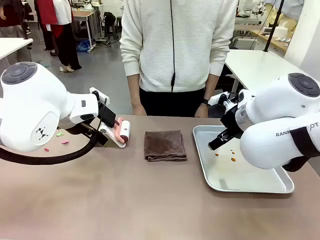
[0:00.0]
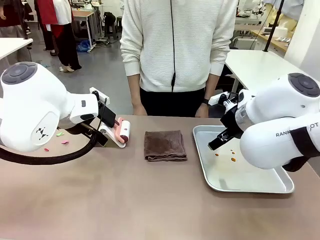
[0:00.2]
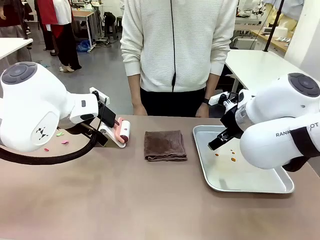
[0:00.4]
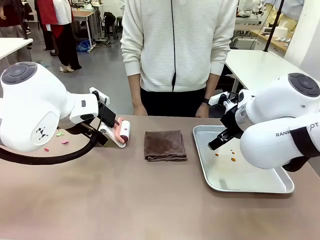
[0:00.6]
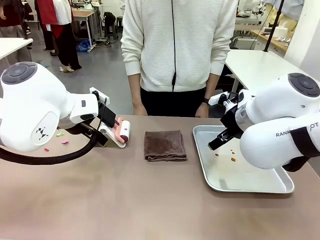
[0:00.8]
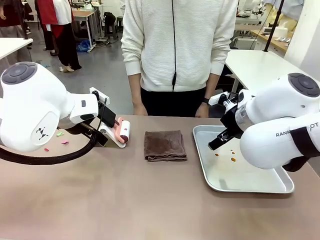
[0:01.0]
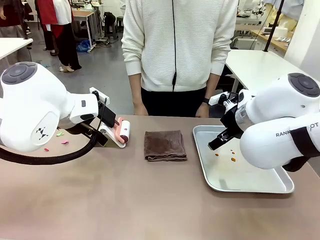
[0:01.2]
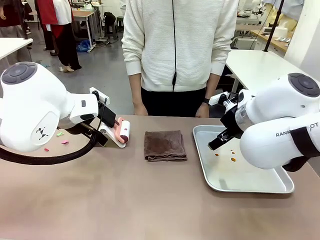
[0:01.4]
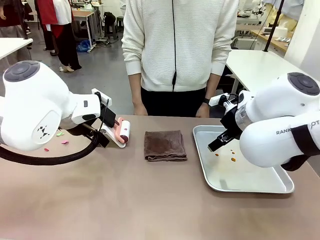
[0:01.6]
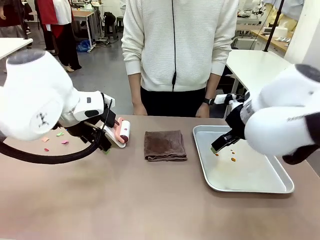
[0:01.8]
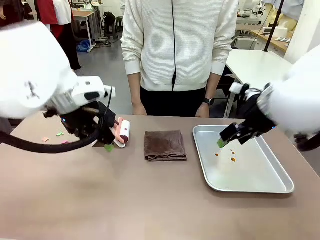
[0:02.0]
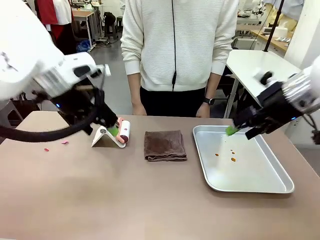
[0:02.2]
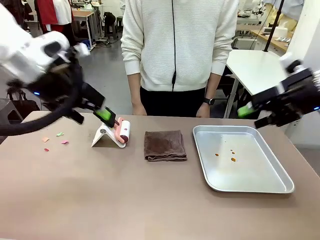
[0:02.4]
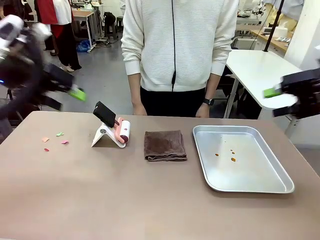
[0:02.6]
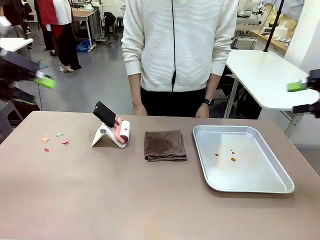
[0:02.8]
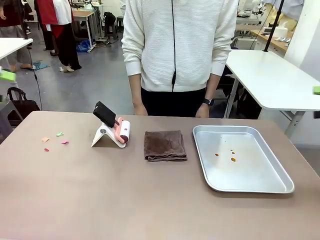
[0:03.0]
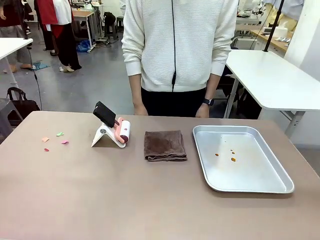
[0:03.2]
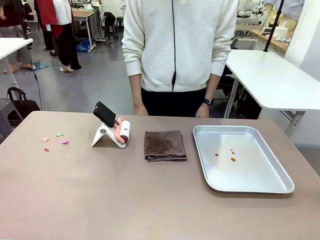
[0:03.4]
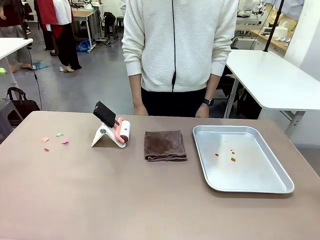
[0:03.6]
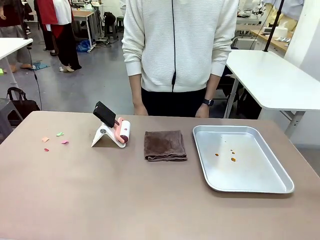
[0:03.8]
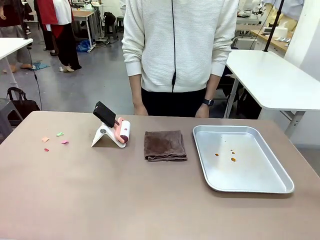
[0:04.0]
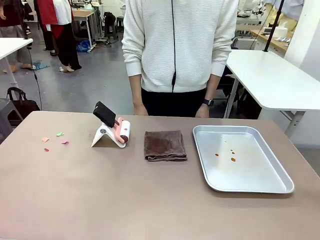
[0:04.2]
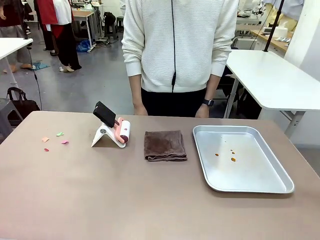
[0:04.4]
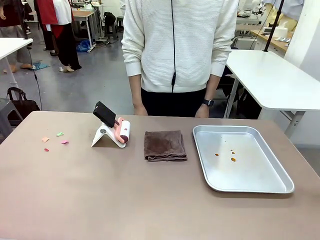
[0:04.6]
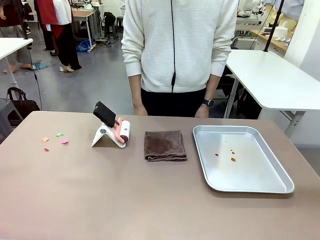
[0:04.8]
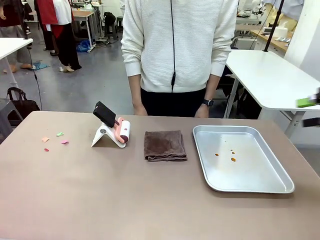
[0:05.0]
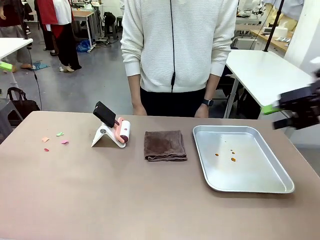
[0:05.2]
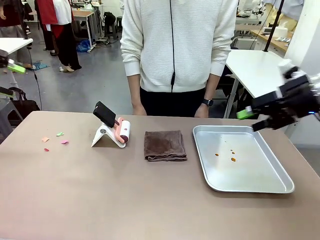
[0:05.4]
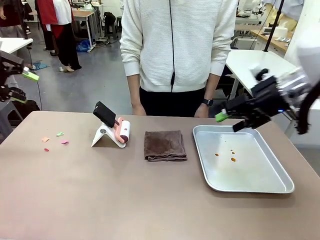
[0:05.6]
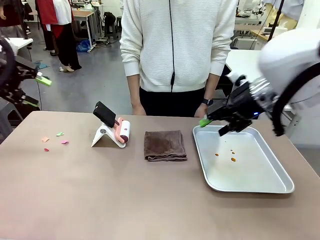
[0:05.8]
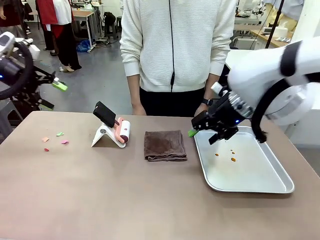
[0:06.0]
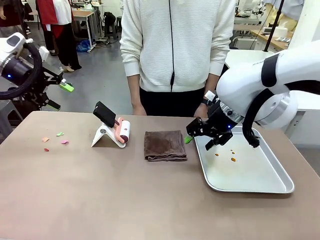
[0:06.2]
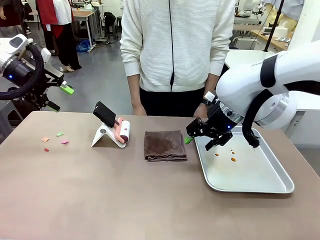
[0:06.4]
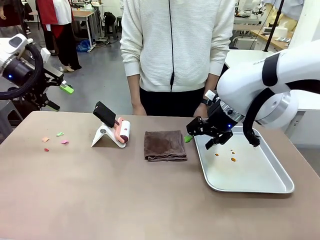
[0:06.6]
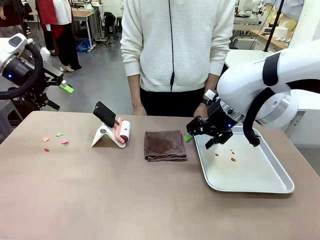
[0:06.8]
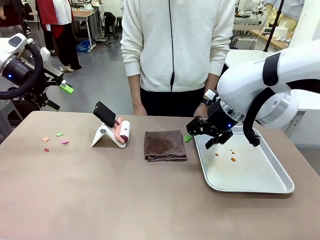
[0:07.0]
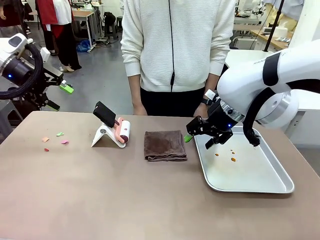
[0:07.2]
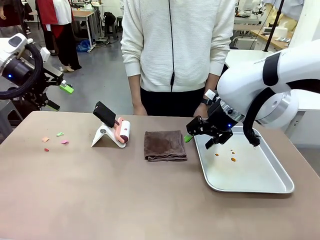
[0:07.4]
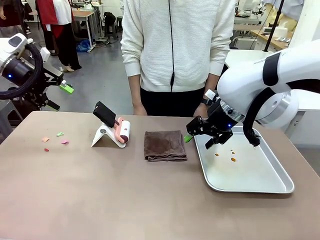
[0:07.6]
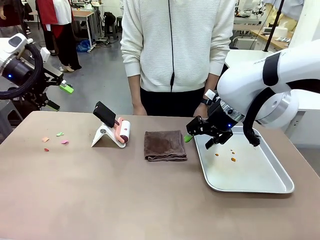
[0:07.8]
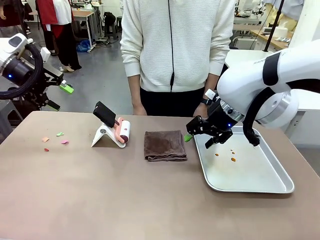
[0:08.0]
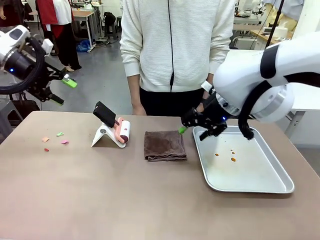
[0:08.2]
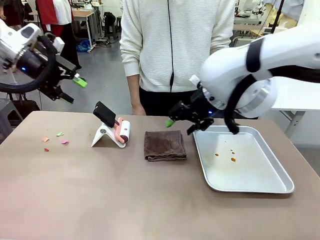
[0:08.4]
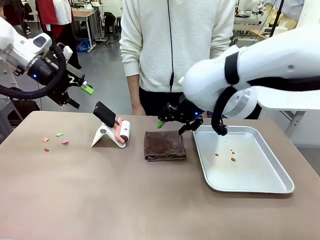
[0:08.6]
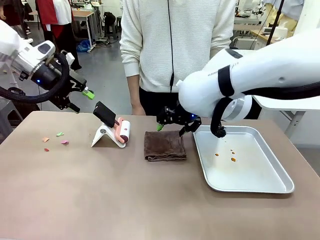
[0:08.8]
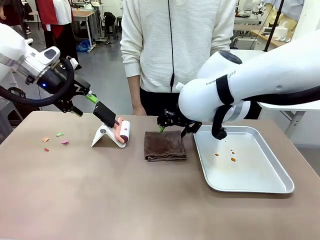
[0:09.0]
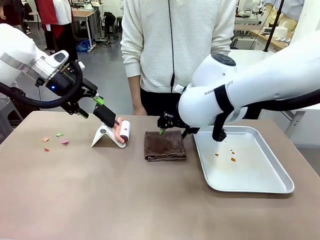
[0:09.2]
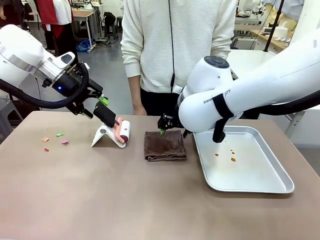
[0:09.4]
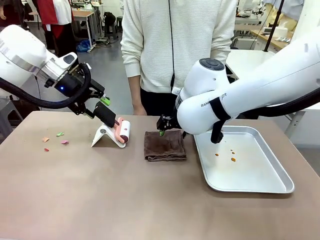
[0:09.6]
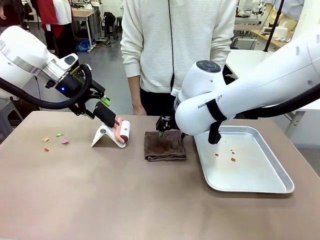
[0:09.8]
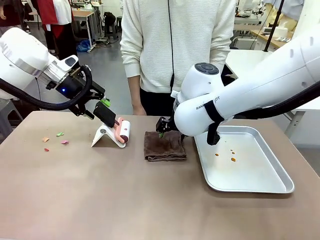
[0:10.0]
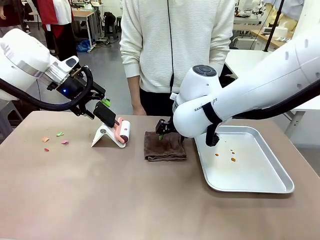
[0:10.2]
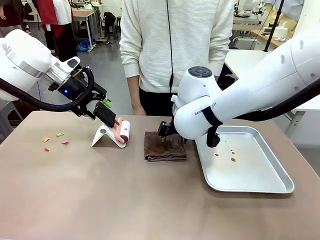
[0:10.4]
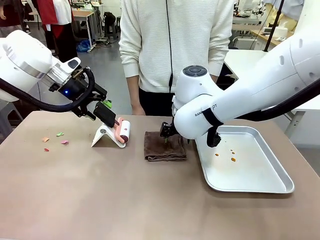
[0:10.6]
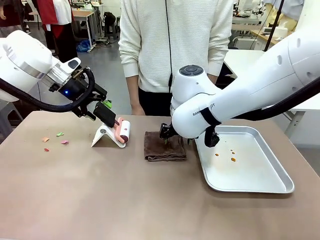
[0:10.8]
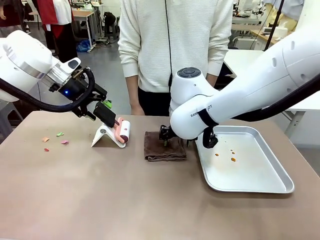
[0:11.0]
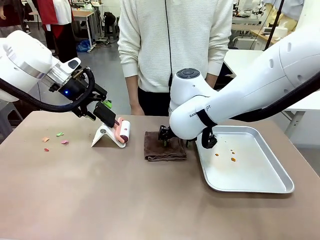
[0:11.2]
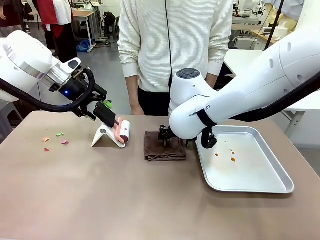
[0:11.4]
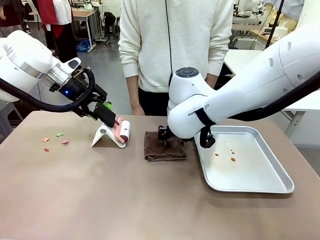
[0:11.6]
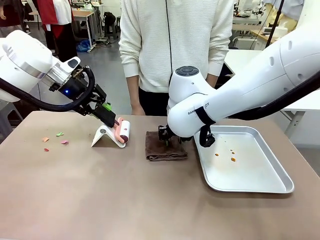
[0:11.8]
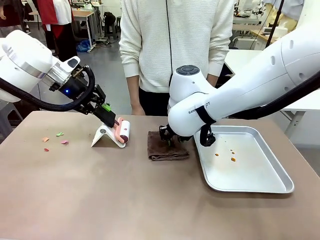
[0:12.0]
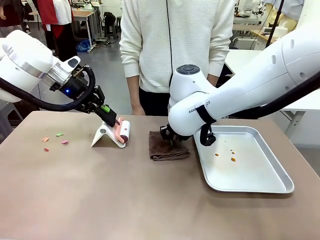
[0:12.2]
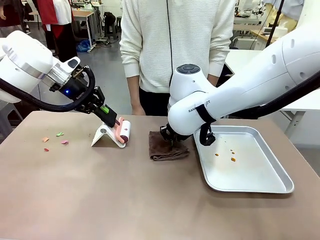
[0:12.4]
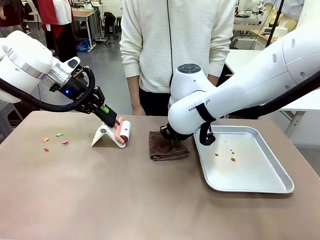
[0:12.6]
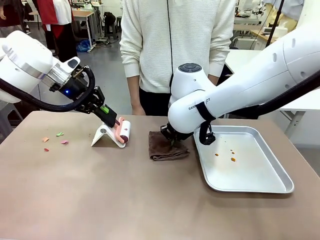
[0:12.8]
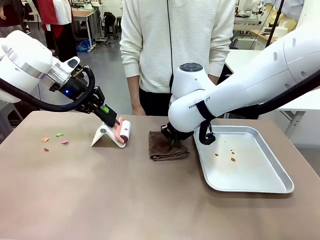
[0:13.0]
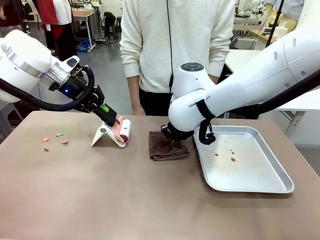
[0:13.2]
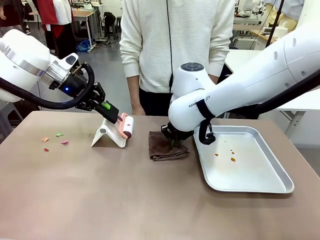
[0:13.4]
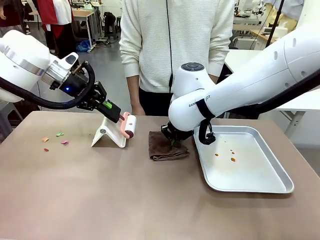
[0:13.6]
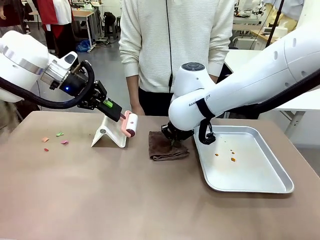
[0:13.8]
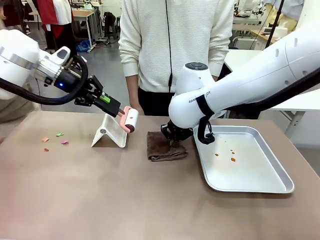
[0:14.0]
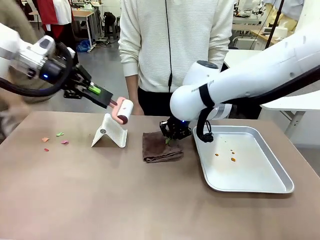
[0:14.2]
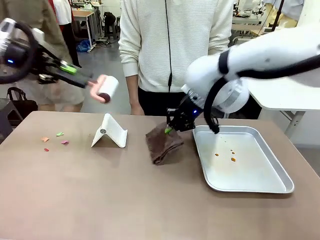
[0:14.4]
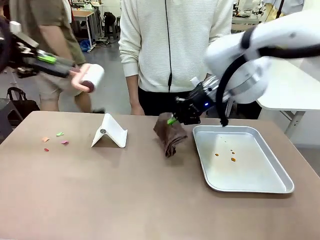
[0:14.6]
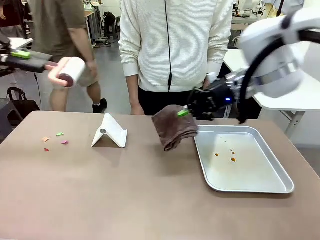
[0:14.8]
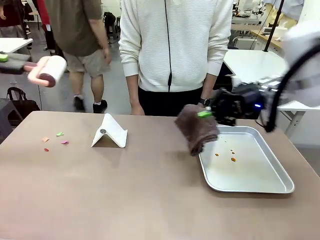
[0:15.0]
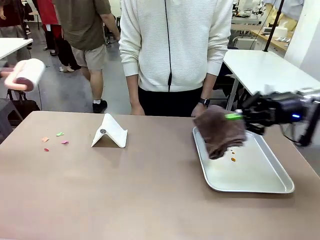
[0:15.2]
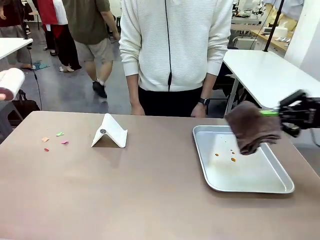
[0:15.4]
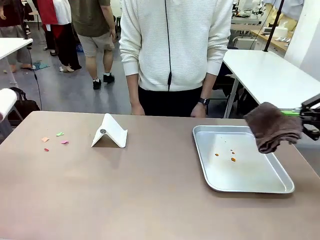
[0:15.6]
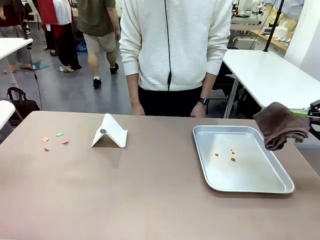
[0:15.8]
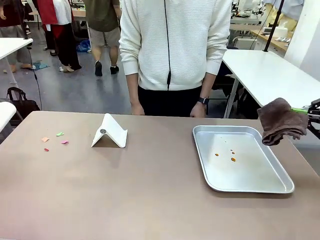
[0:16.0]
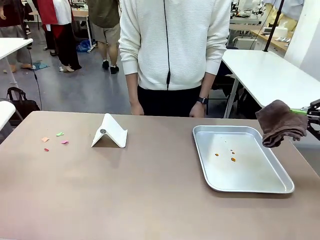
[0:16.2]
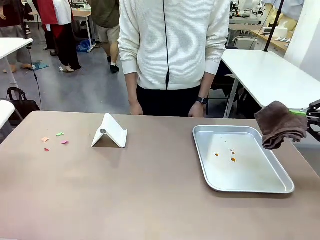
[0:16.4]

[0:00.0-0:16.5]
Task: Clean the surface of the table.
Robot: Hold the Lint Roller with your left hand and the towel with your right hand.

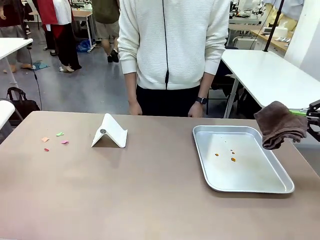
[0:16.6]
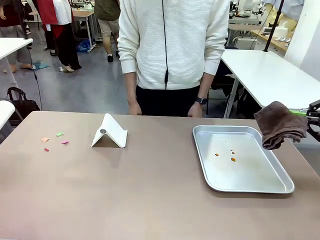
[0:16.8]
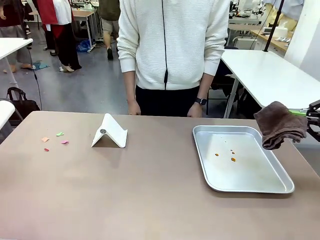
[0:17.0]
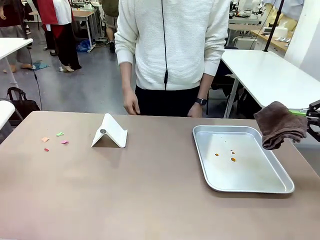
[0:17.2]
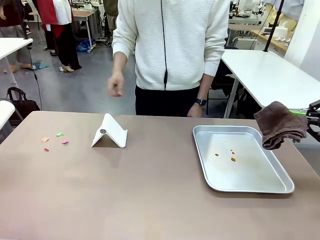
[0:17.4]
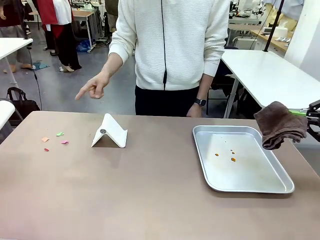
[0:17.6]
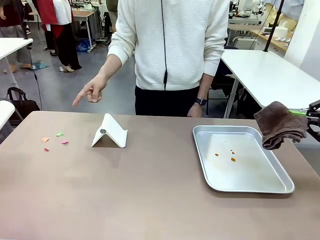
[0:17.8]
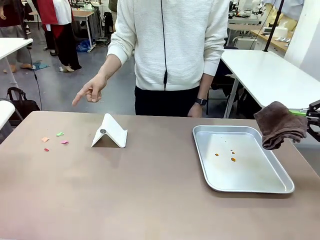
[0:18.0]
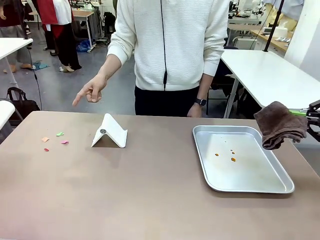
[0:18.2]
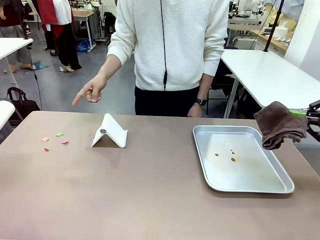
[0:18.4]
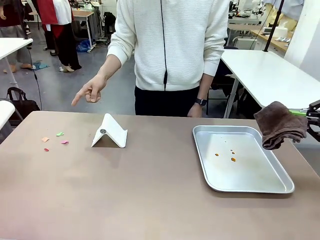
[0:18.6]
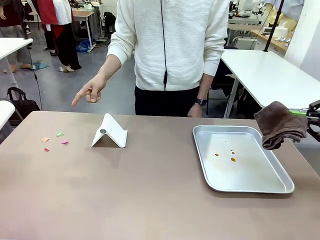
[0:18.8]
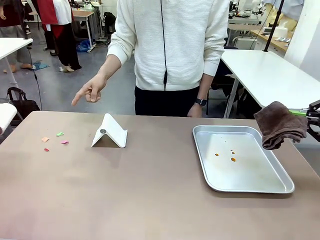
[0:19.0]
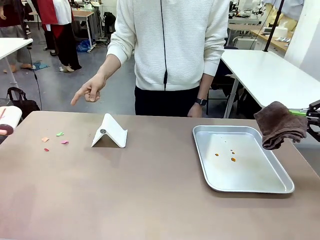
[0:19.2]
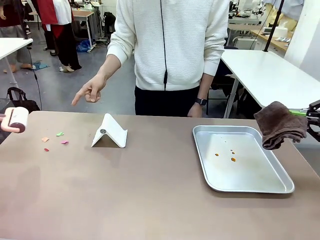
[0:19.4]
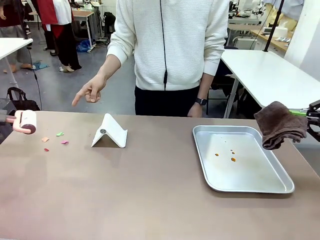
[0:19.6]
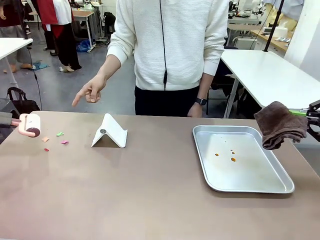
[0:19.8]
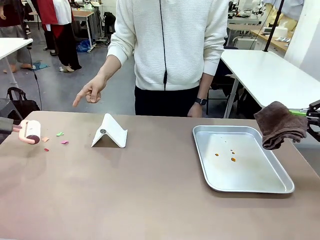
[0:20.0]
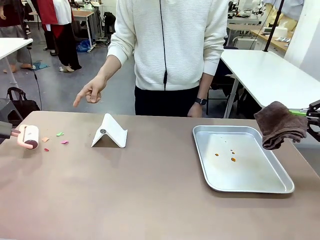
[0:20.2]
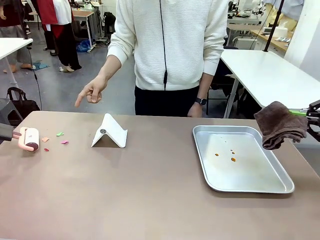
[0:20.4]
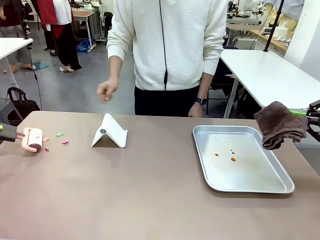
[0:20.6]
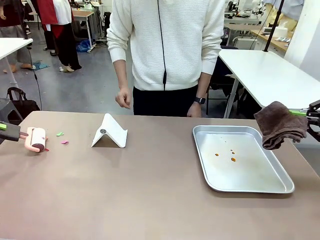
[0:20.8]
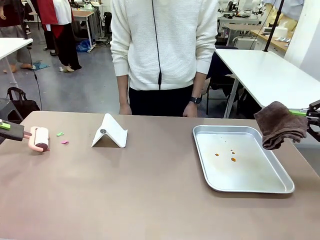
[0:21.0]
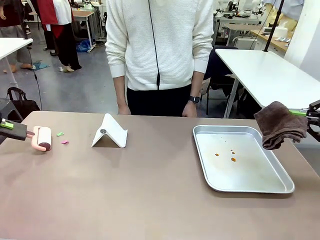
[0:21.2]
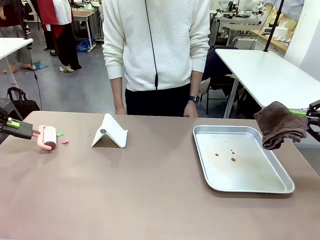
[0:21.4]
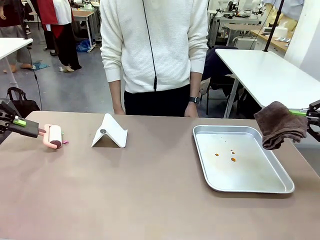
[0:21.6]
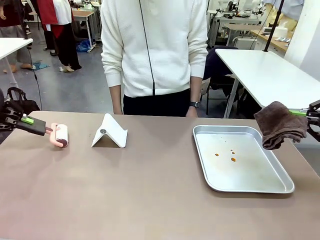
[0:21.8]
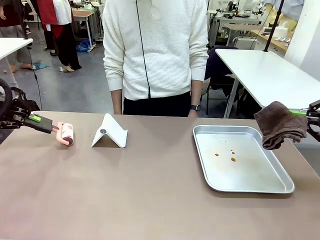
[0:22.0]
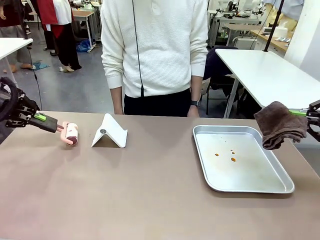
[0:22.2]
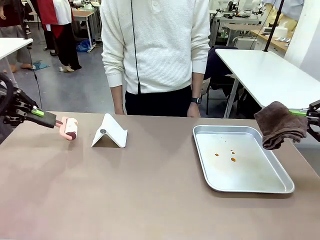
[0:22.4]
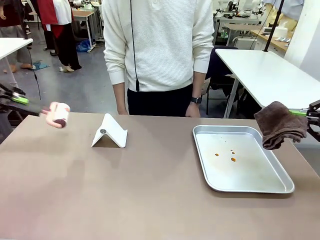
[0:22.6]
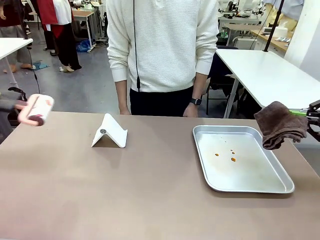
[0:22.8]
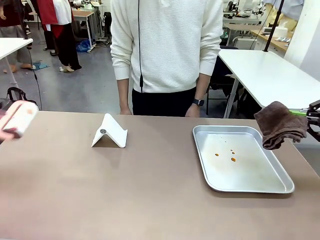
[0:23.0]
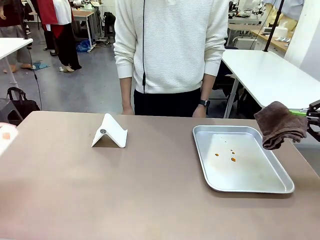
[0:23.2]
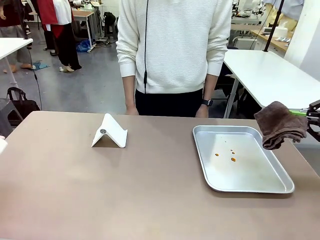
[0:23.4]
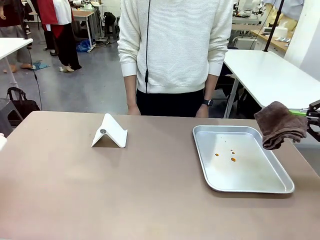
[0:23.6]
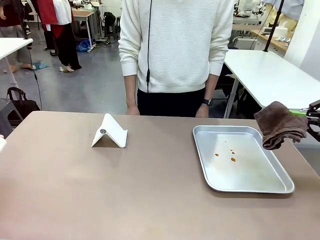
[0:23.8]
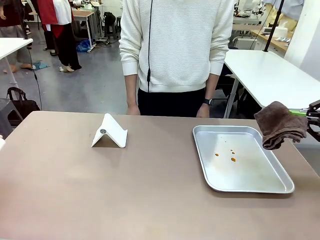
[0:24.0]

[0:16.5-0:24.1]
Robot: If a person points to the right, clean the right side of the table with your right hand, and if they point to the left, clean the left side with your left hand.
